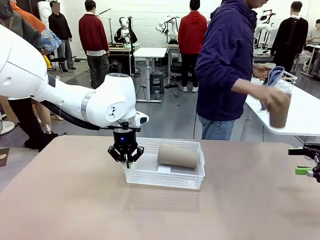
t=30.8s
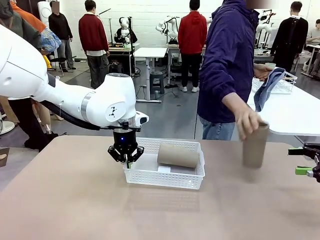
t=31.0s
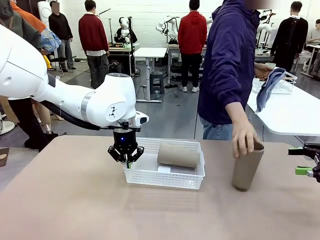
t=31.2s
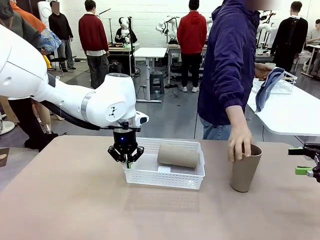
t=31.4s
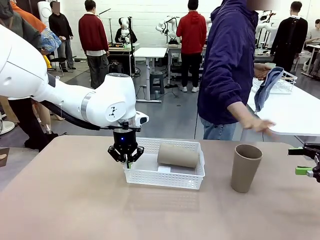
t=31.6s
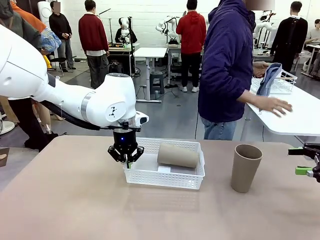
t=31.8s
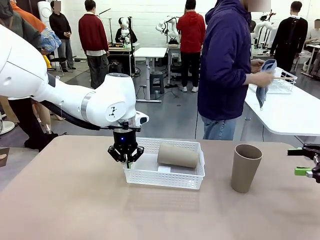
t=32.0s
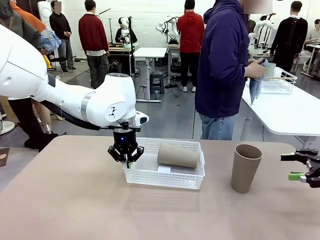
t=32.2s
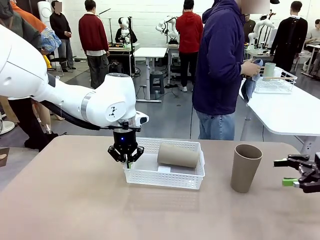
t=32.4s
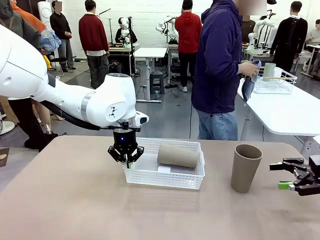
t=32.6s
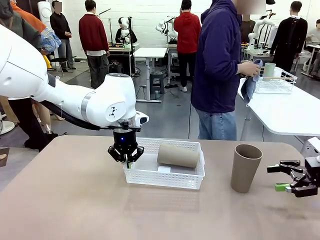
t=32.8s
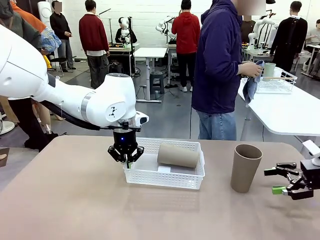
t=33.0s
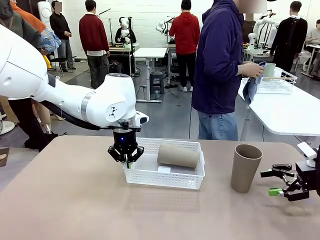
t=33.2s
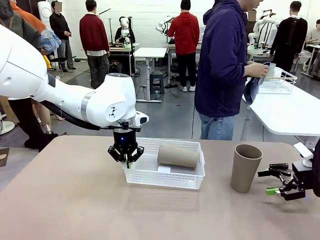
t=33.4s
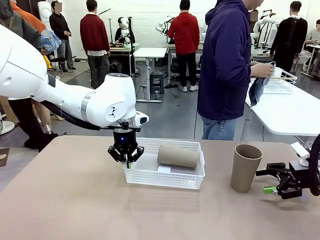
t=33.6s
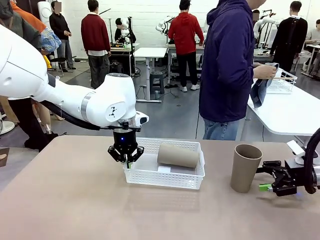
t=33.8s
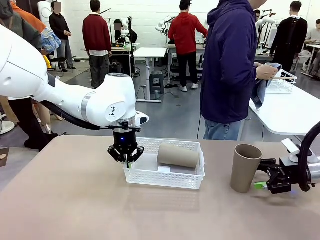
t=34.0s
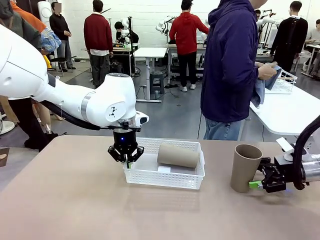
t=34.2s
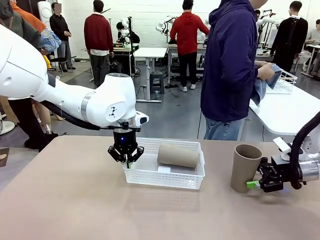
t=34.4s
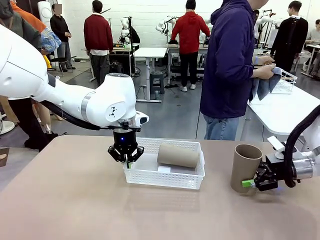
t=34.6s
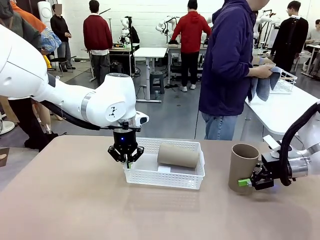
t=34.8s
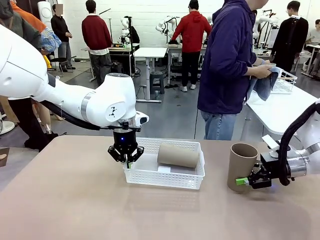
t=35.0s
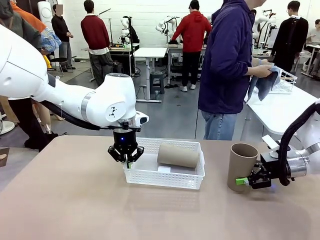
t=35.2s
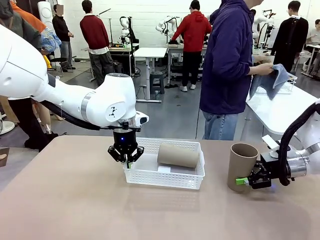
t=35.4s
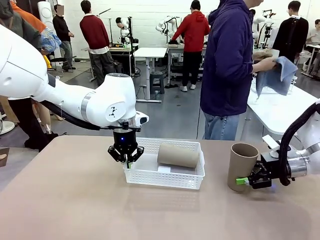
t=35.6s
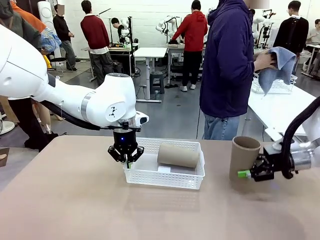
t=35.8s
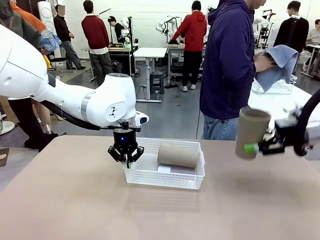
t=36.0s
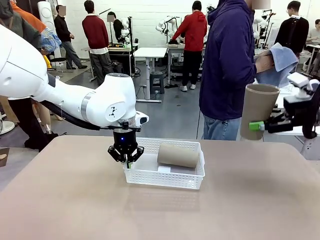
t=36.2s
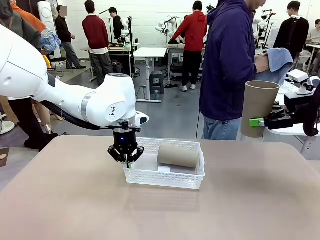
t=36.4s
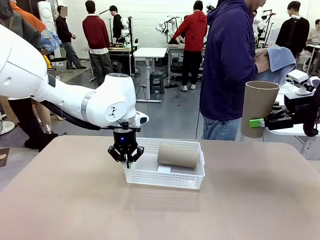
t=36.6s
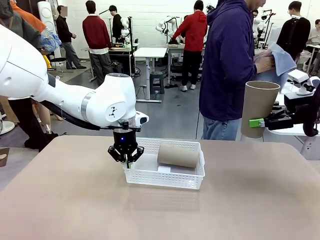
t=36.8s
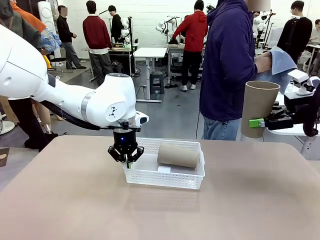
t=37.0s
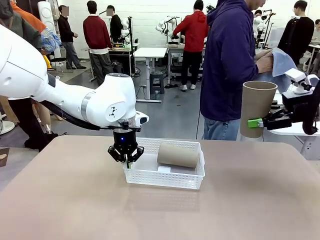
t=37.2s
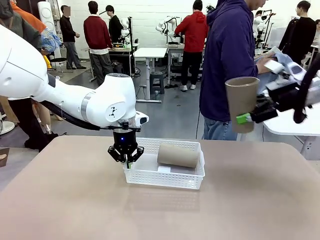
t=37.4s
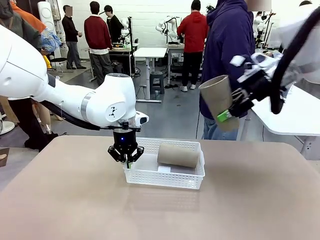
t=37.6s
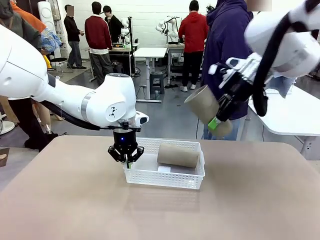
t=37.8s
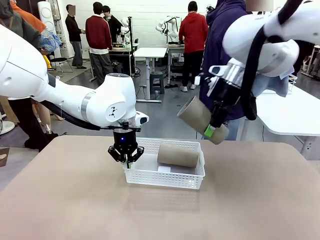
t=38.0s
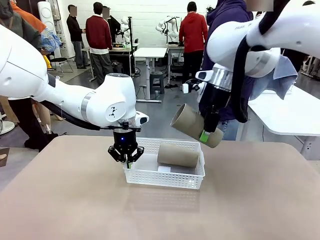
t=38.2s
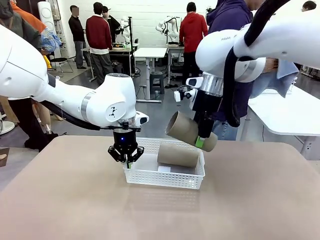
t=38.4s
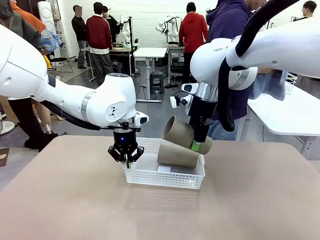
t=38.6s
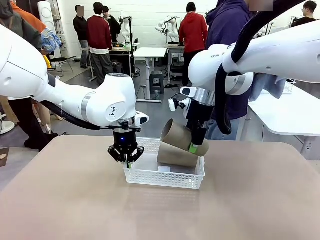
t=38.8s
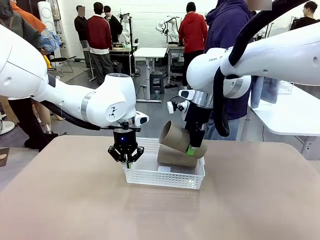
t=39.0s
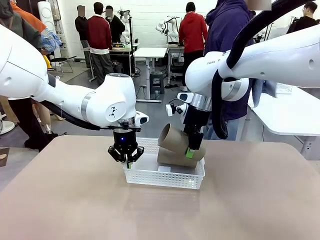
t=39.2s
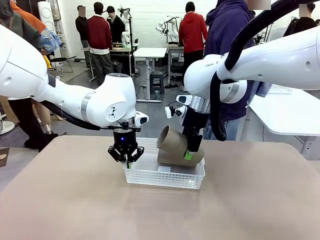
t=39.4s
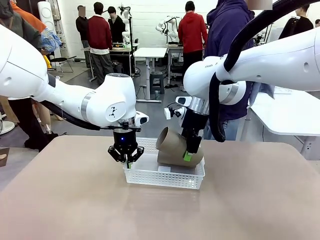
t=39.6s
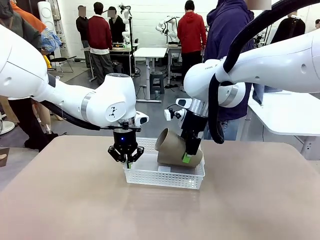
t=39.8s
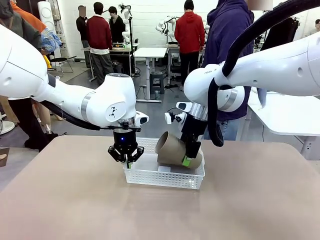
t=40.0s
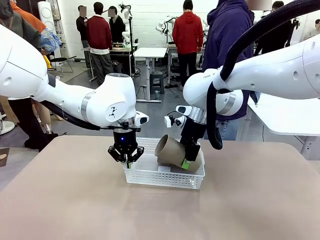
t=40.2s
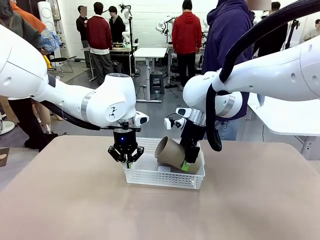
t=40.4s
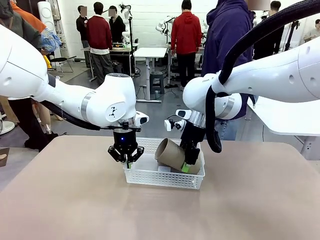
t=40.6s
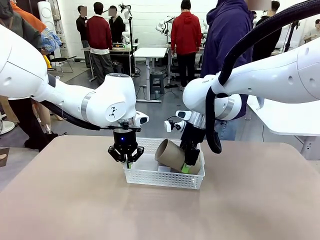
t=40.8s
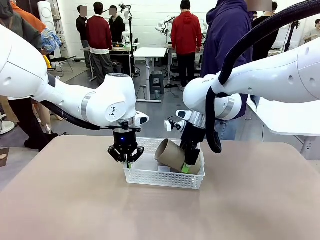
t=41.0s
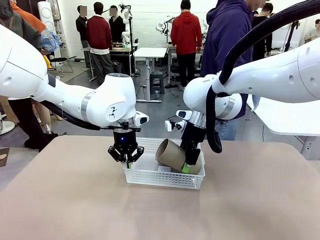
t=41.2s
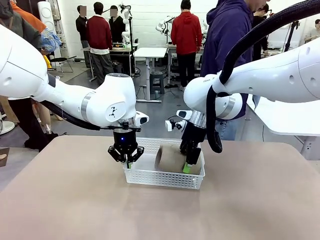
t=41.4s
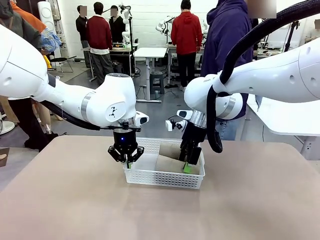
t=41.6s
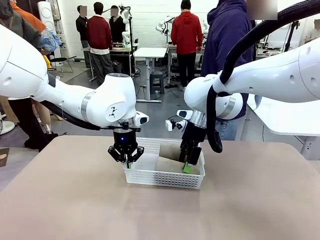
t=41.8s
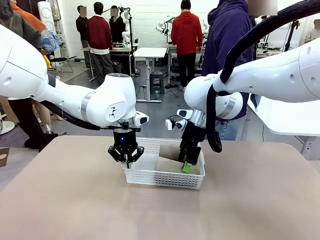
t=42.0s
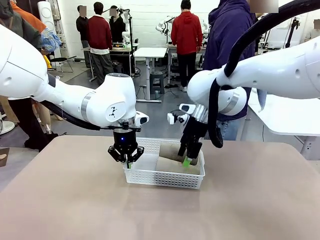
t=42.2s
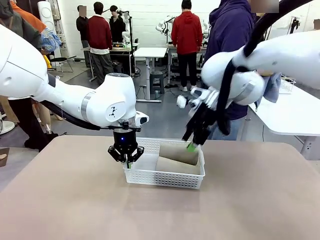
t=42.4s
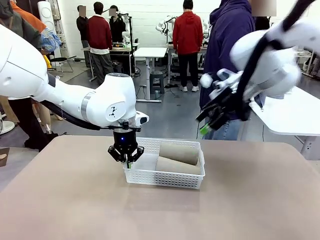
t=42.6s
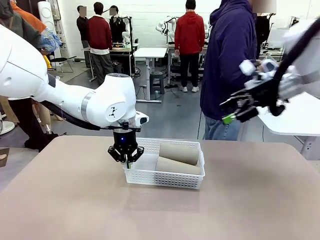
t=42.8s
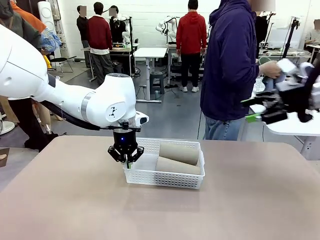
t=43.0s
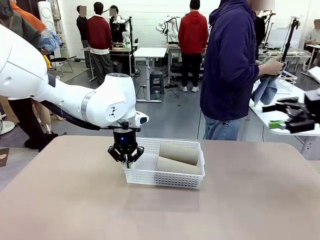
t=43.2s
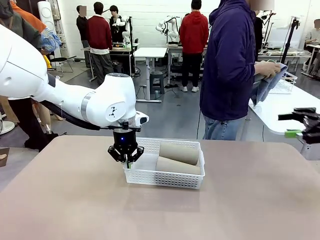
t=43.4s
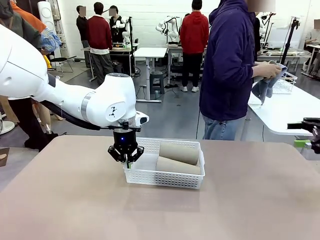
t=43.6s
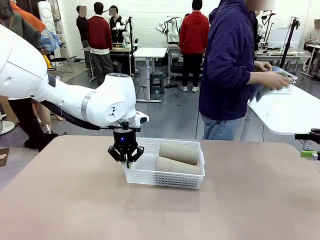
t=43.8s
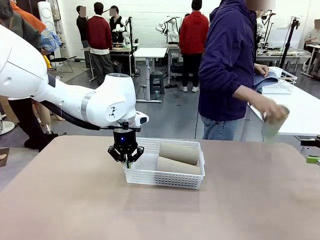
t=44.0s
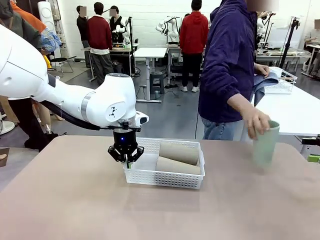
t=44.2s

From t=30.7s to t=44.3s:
Task: Clean and organize the cups into the basket.
Robot: Pick up the Reusable plastic cup from the right side of the table and stack it inside the Organizing basket in the center of the table.

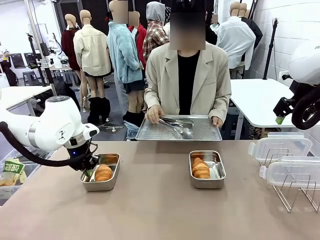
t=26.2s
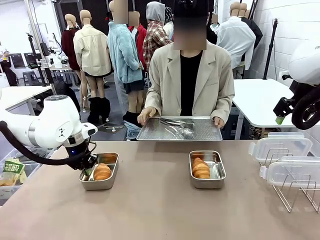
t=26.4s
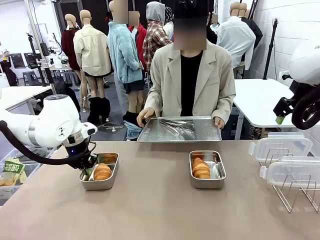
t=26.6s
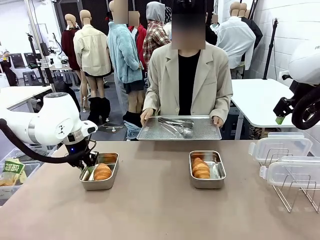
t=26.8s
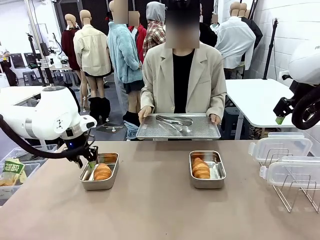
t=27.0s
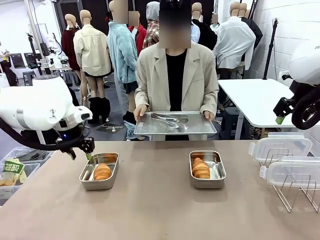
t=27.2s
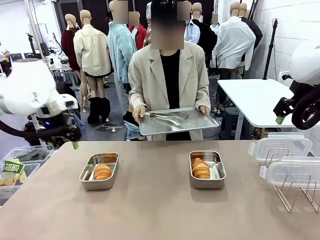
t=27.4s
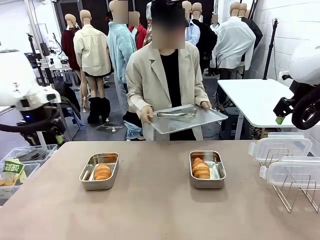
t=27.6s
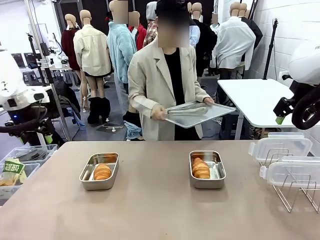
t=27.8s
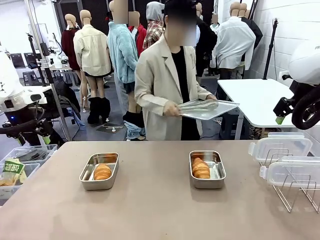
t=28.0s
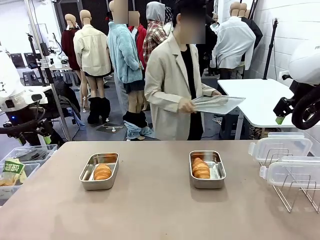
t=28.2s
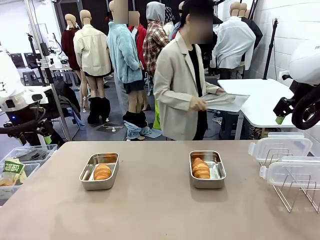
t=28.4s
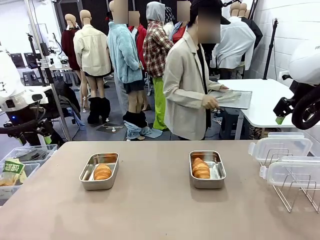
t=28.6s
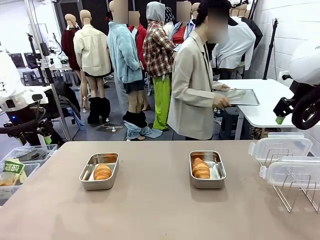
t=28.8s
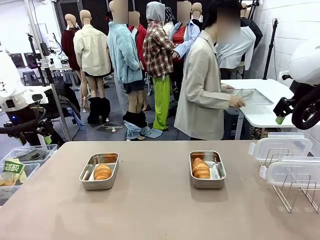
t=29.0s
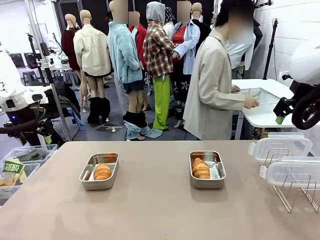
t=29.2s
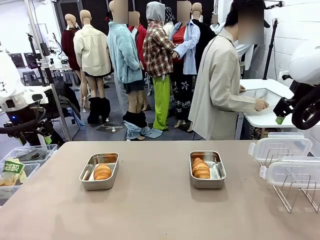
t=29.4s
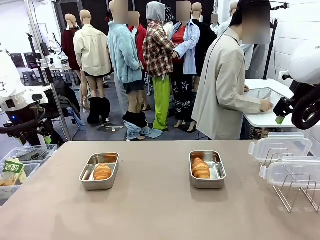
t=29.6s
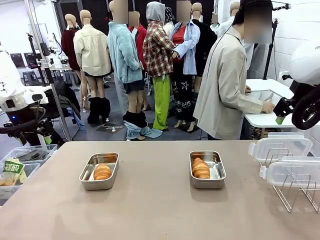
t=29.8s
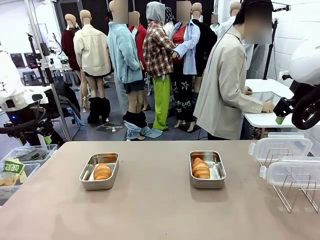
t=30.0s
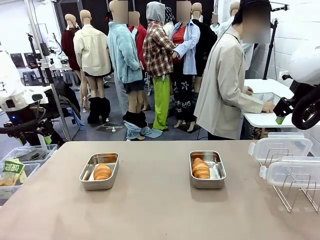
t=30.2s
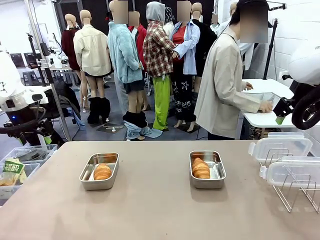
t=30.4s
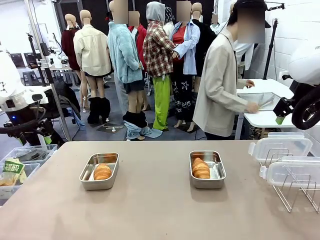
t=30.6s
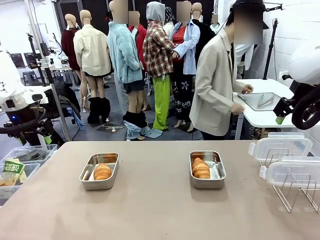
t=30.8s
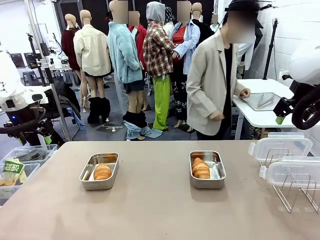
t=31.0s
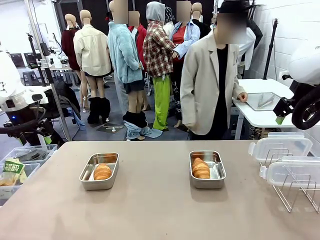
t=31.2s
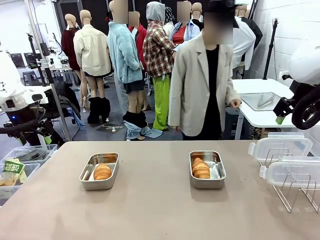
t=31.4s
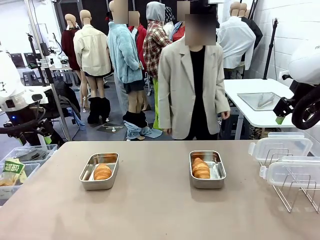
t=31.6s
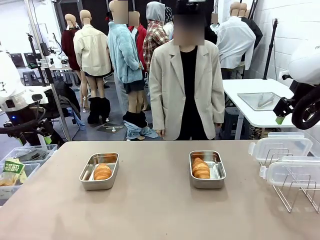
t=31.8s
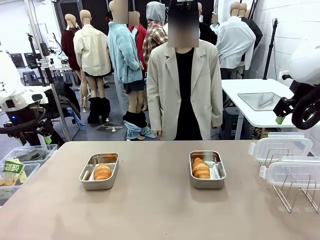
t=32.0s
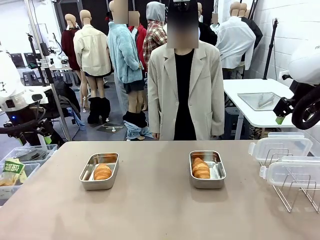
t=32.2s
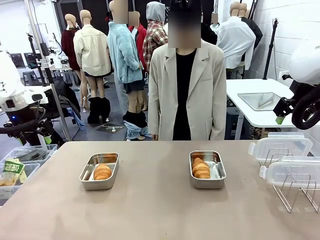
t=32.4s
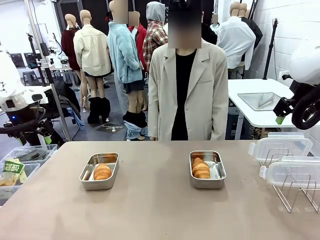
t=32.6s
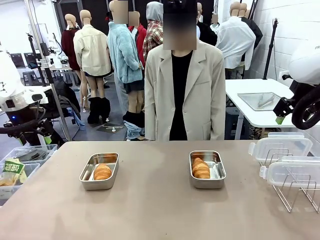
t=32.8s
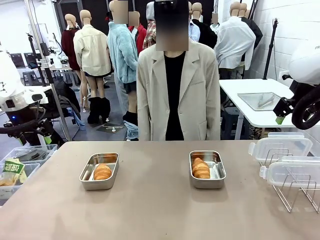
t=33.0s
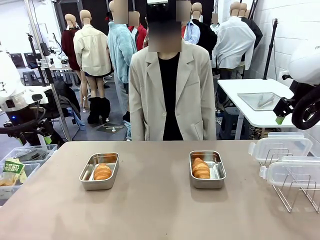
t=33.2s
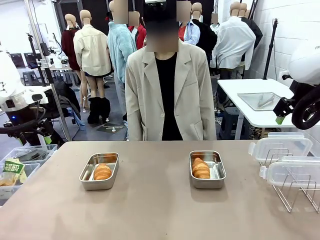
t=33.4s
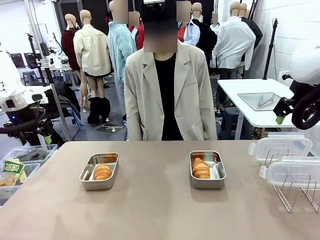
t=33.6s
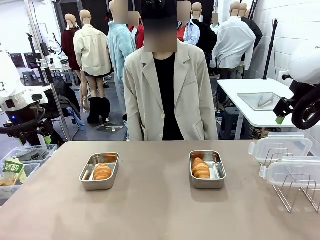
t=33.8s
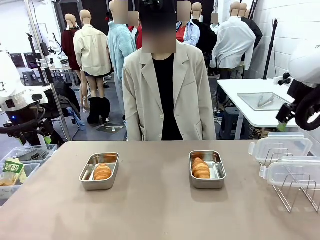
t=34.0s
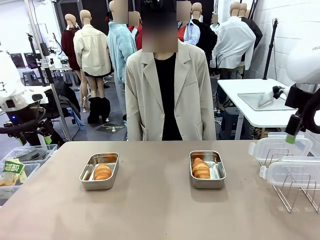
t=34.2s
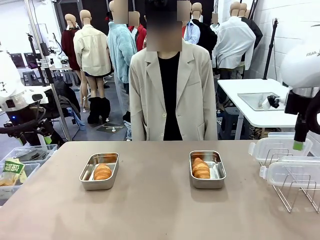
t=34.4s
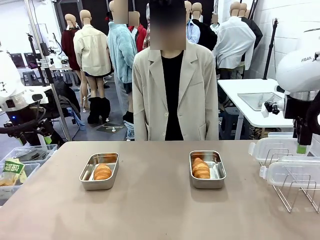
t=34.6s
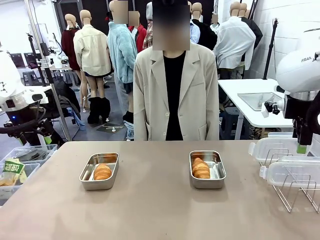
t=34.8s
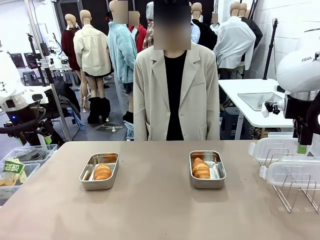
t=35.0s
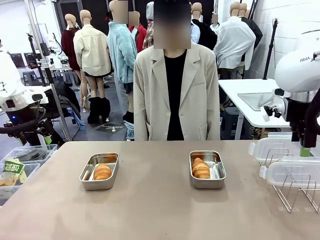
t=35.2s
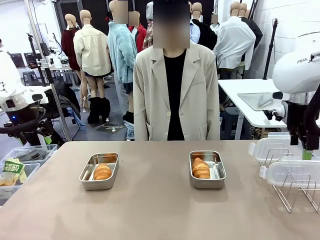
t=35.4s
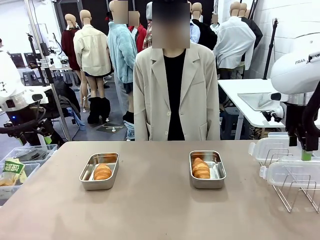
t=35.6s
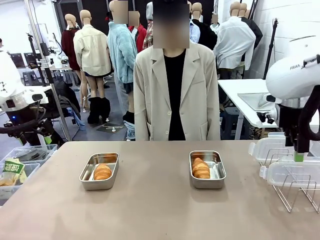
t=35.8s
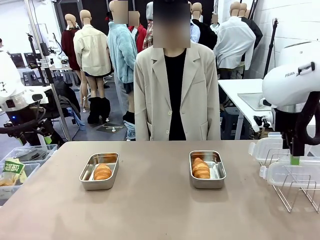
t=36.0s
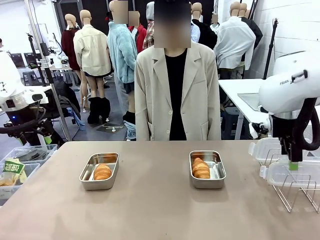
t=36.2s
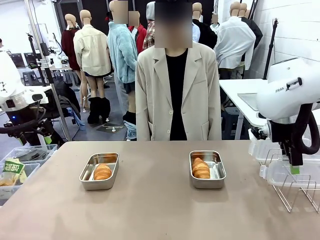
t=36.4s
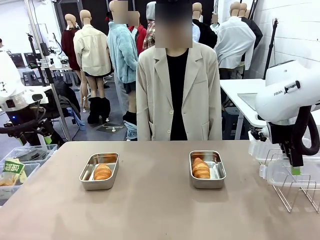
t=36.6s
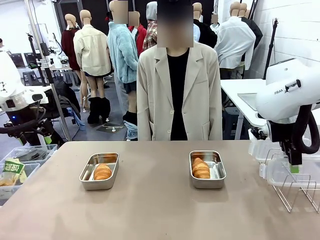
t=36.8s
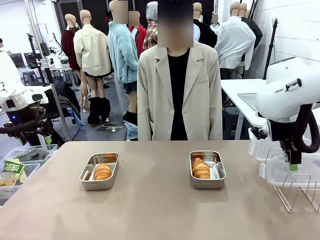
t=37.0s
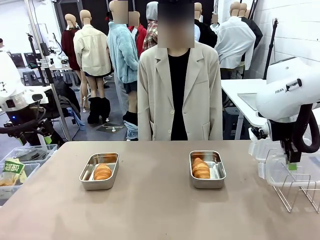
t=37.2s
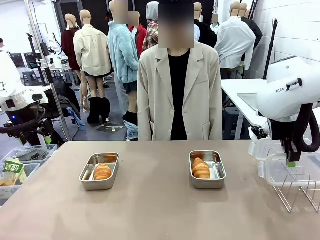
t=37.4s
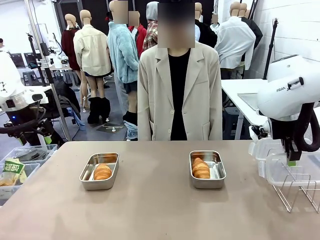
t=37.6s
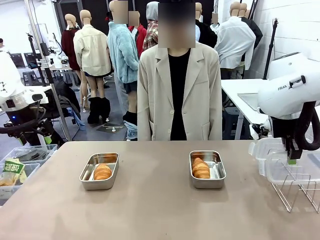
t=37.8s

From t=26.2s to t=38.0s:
Task: Place the bread in airtight containers.
Robot: Pick up one Airtight Container lid and hand it to the human.
Person: Place Baking Sheet on the Human's Table. Grip Airtight Container lid that robot is handing.
